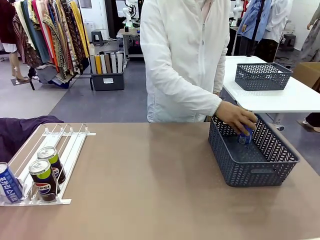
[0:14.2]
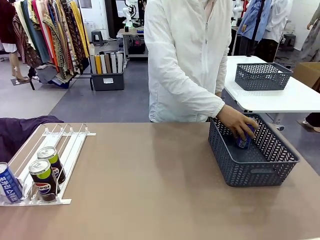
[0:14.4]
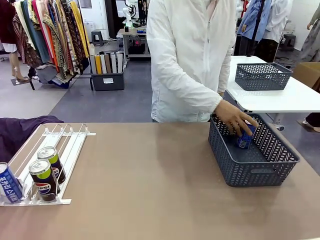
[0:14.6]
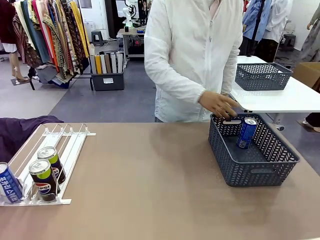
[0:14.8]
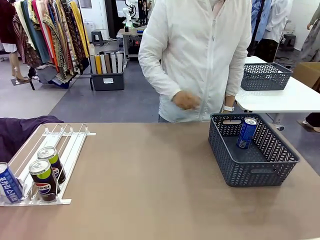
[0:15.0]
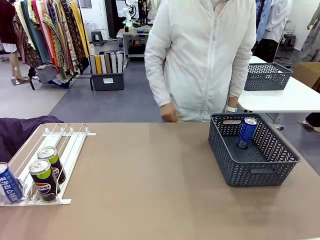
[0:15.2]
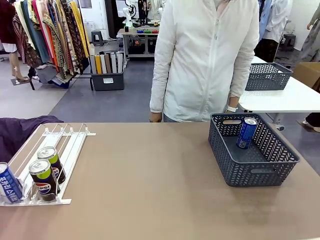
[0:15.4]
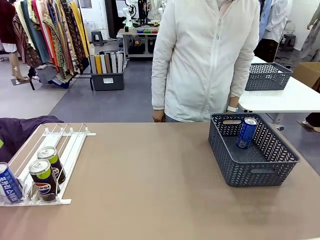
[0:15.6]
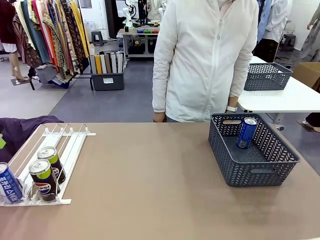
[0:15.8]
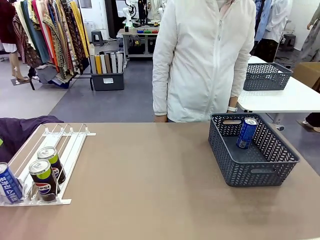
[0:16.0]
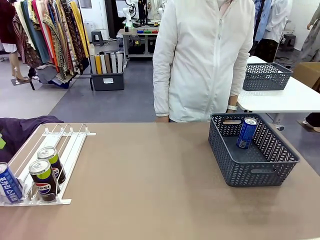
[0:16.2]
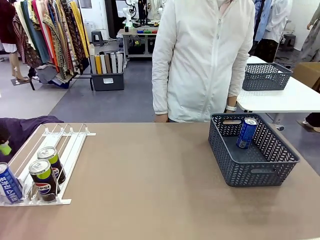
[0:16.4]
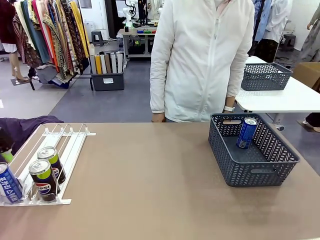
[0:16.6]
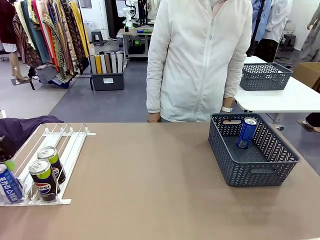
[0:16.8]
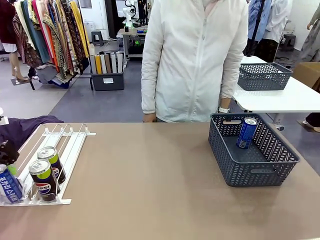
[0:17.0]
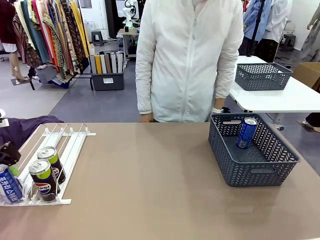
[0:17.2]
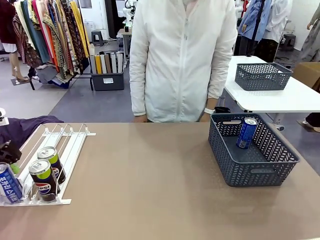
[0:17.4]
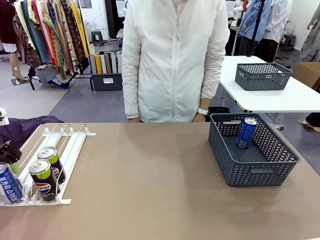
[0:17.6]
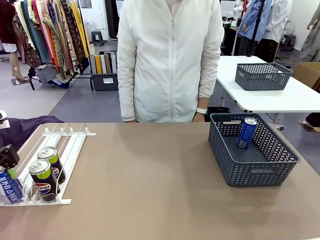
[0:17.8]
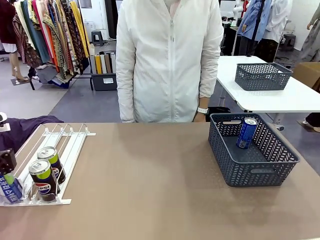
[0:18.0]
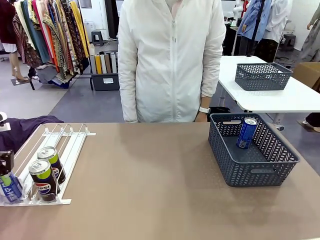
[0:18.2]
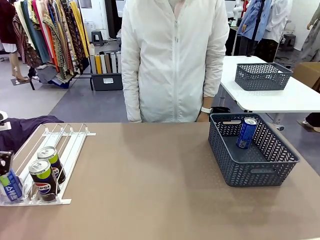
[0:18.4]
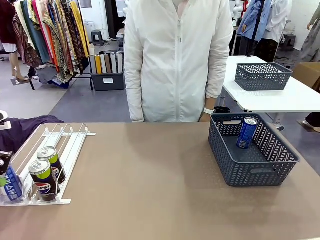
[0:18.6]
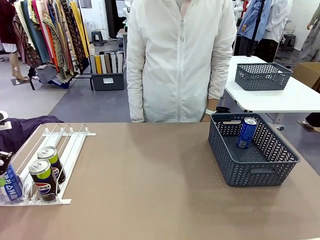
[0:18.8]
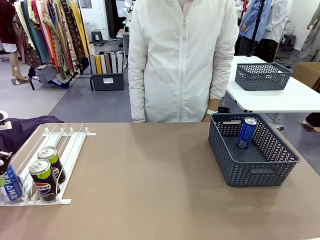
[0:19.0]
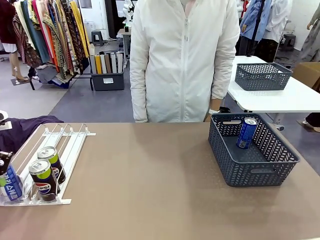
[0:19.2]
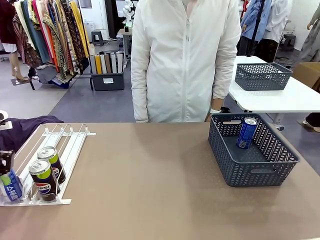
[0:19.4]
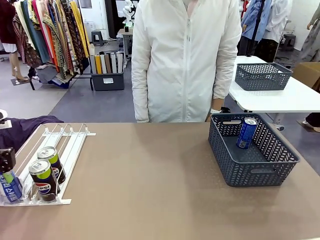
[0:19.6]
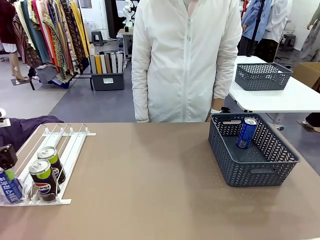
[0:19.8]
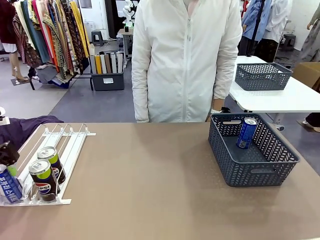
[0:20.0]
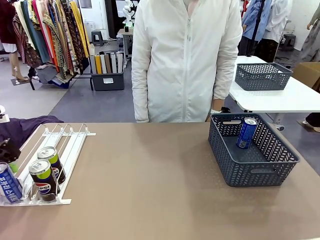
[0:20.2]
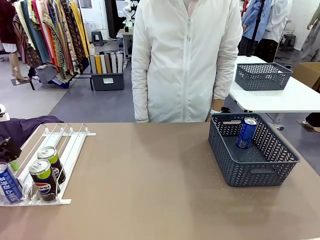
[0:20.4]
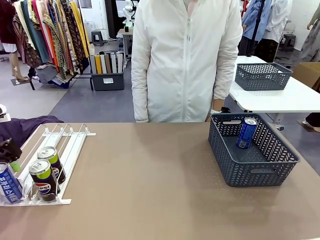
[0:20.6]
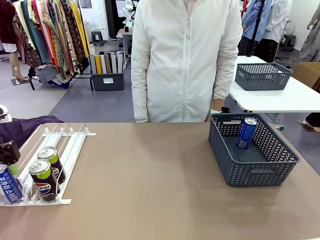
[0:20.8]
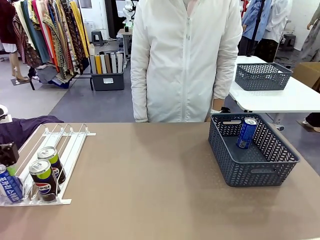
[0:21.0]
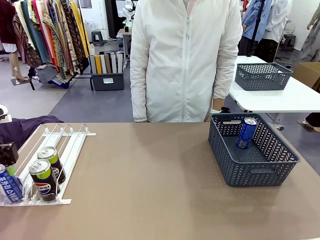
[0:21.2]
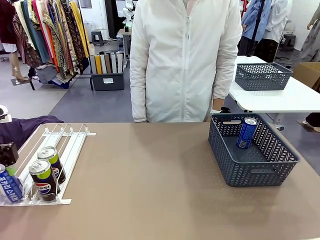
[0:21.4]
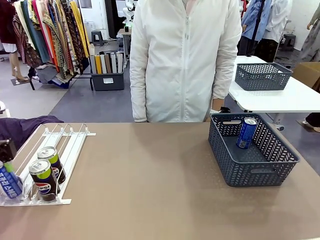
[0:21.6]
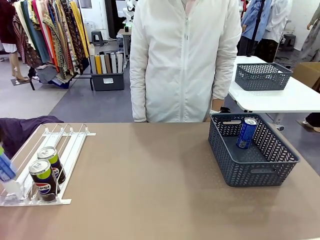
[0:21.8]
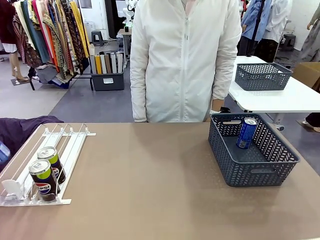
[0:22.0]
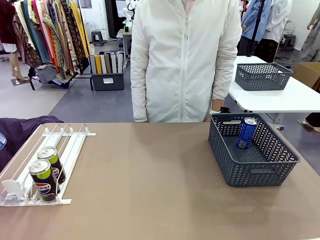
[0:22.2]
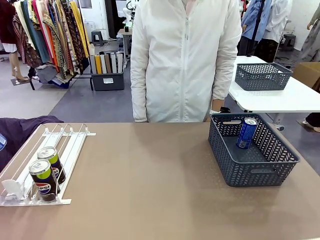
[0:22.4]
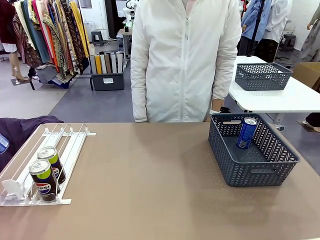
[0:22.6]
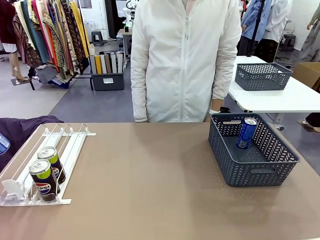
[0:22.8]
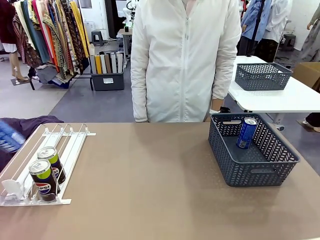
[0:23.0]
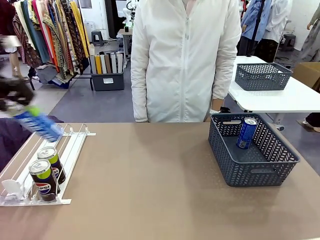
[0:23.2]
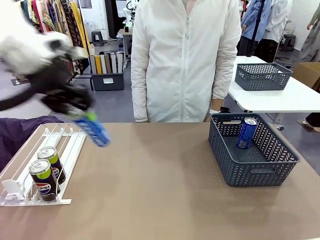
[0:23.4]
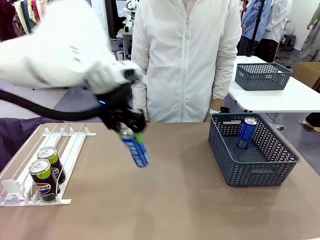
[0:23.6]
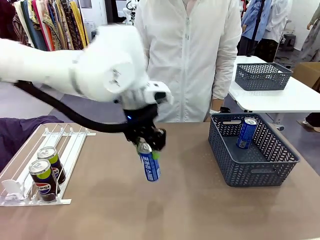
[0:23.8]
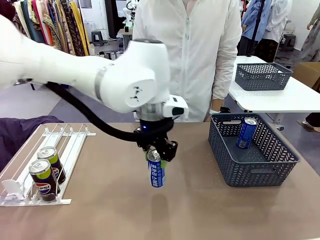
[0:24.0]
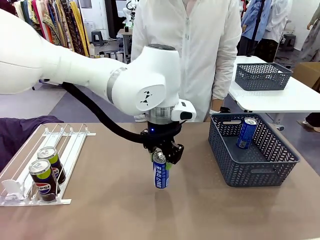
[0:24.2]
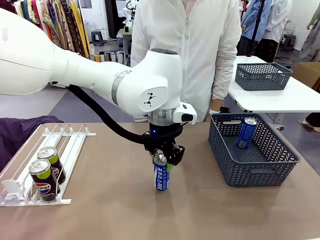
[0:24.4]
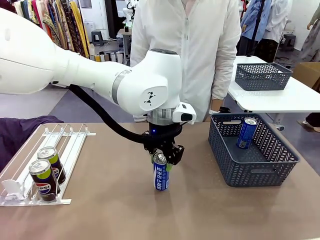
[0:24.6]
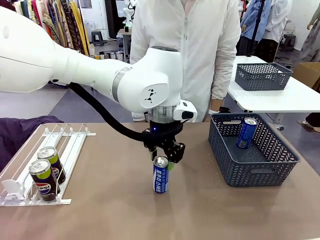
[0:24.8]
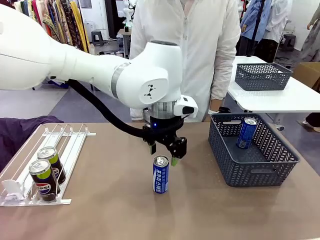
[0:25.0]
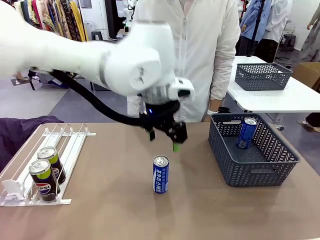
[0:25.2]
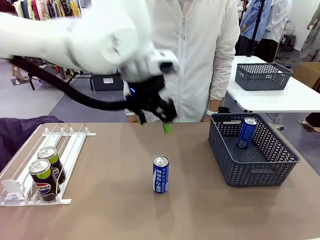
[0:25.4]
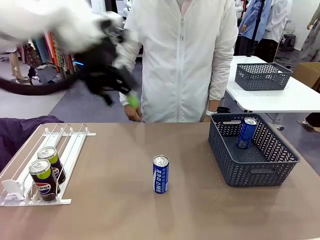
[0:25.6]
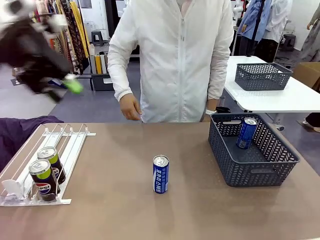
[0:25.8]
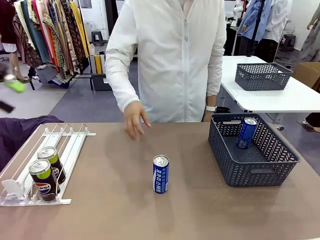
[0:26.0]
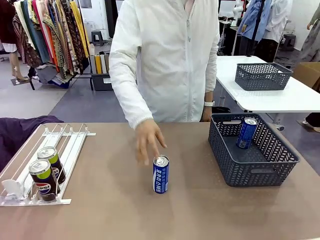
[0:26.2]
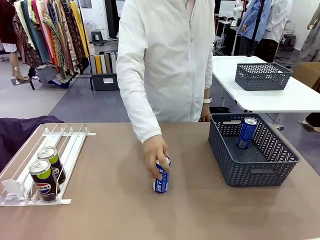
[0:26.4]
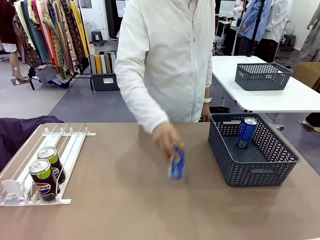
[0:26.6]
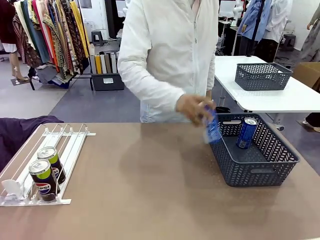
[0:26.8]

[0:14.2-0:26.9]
Task: Retrieve and store the cans from the dispenser.
Robot: Pick up the last remaining can from one row of the Automatic Can Dispenser and place it in the middle of the table.
Person: Pick up one Pepsi can from the middle of the robot table and place it in the basket.
